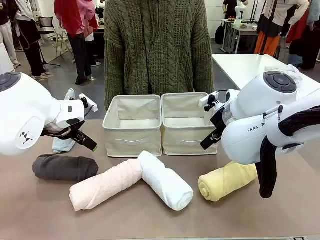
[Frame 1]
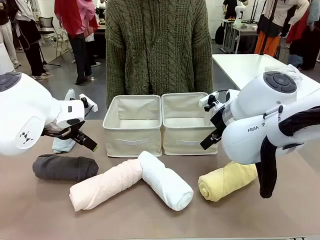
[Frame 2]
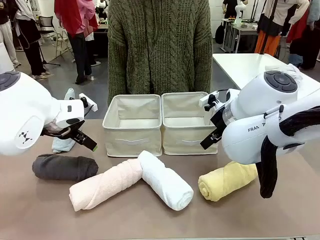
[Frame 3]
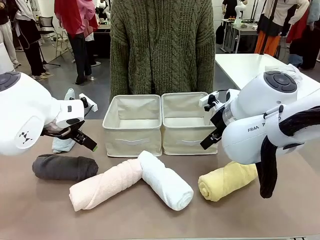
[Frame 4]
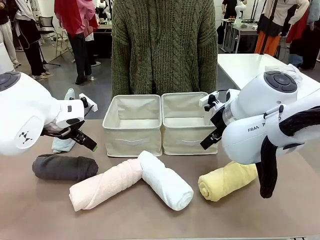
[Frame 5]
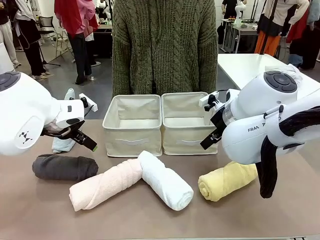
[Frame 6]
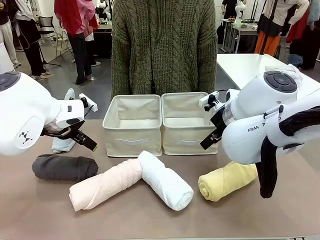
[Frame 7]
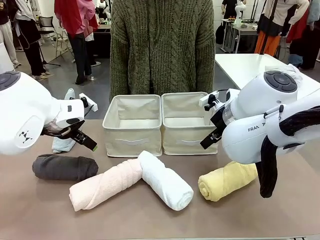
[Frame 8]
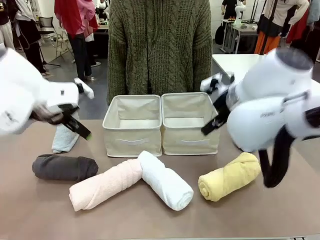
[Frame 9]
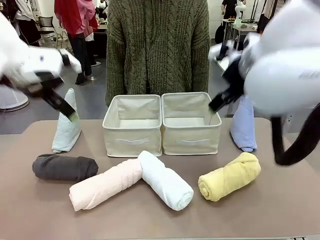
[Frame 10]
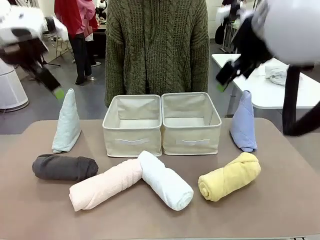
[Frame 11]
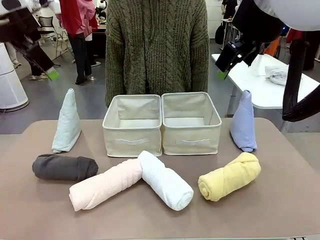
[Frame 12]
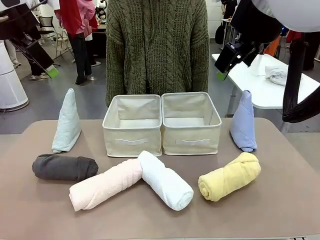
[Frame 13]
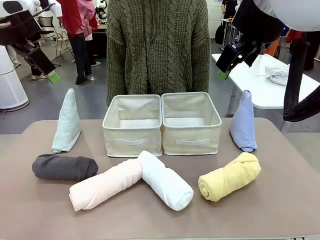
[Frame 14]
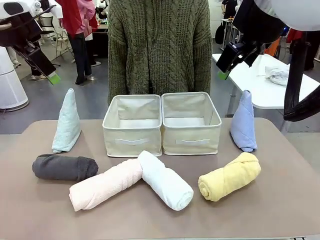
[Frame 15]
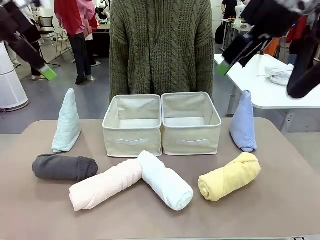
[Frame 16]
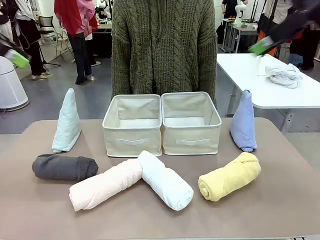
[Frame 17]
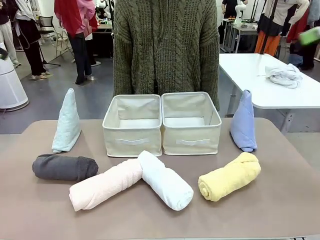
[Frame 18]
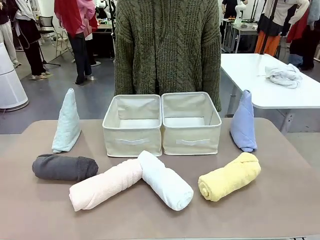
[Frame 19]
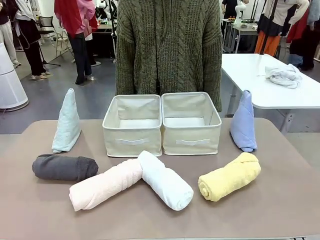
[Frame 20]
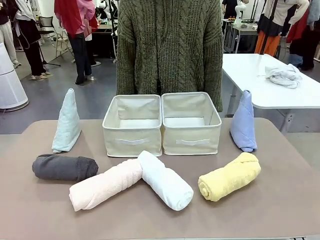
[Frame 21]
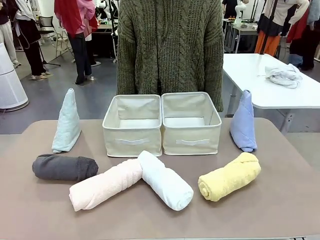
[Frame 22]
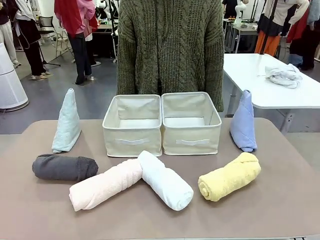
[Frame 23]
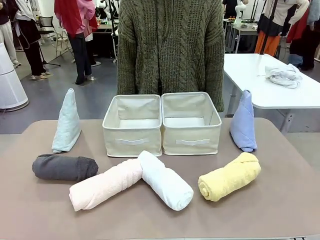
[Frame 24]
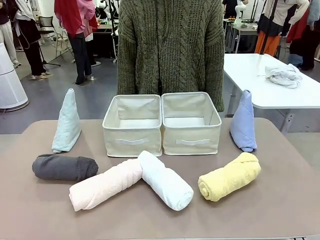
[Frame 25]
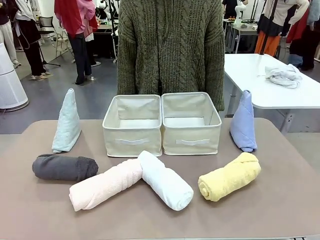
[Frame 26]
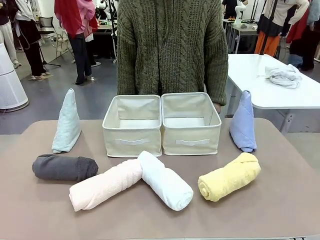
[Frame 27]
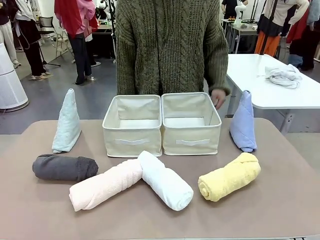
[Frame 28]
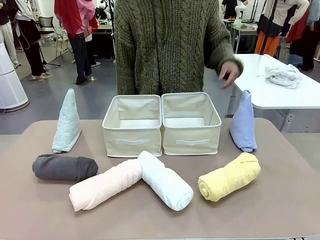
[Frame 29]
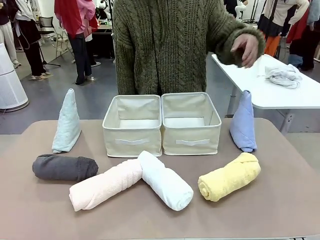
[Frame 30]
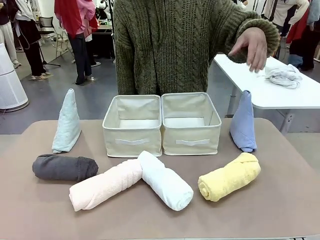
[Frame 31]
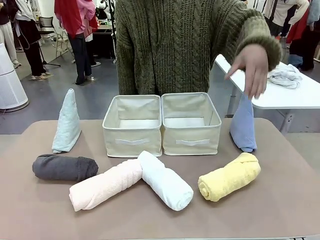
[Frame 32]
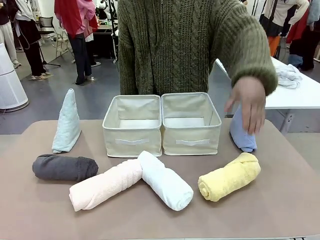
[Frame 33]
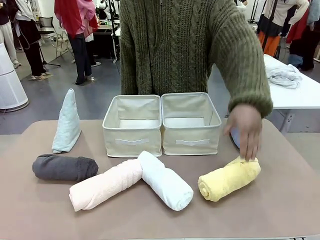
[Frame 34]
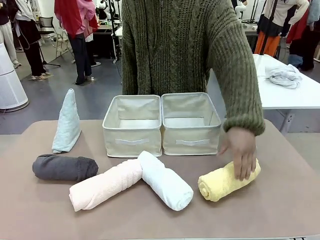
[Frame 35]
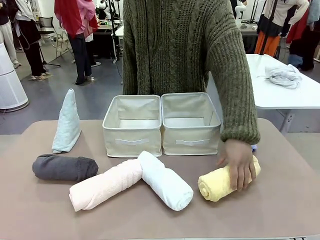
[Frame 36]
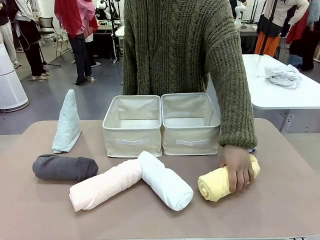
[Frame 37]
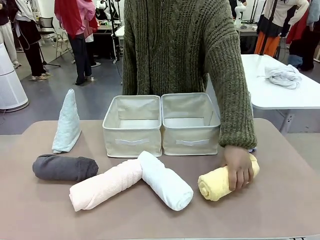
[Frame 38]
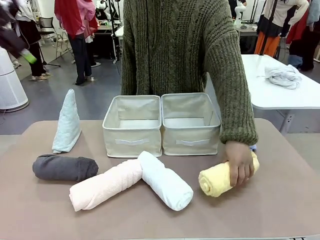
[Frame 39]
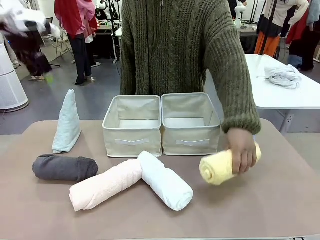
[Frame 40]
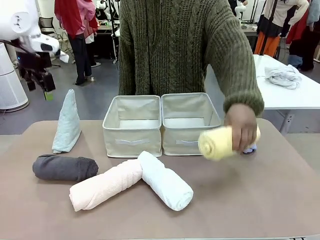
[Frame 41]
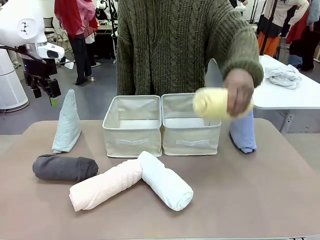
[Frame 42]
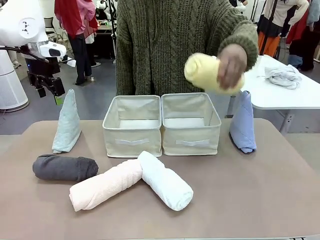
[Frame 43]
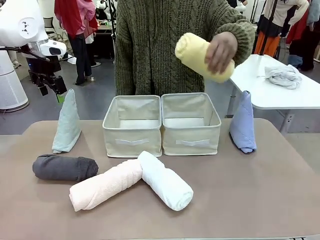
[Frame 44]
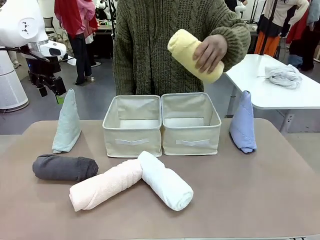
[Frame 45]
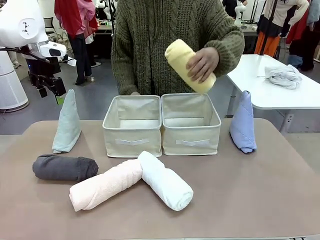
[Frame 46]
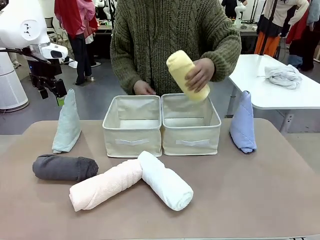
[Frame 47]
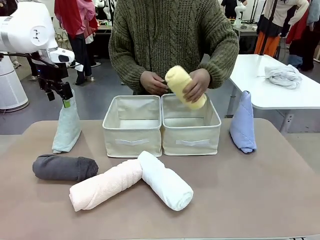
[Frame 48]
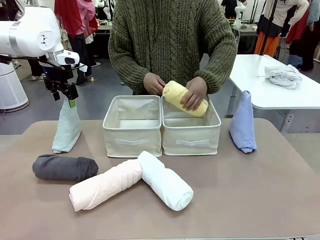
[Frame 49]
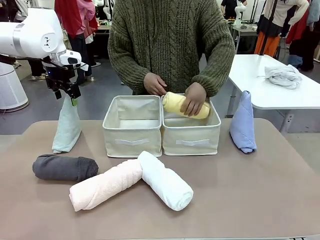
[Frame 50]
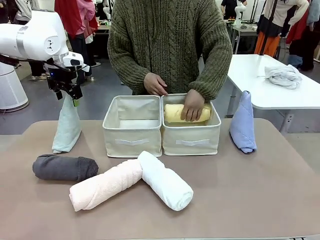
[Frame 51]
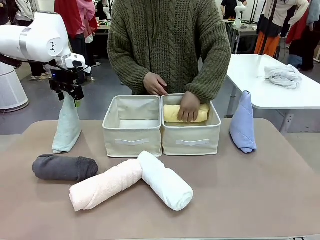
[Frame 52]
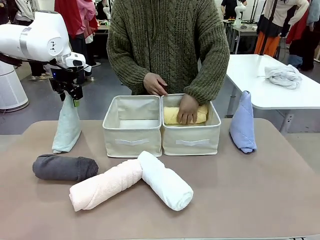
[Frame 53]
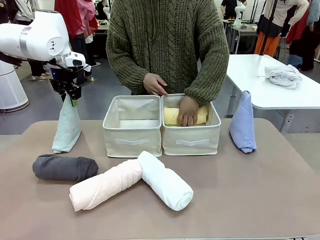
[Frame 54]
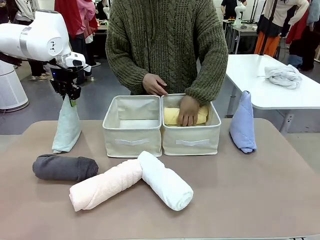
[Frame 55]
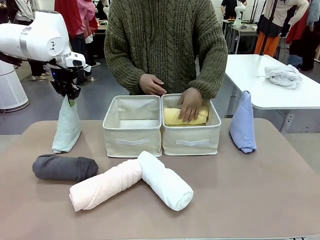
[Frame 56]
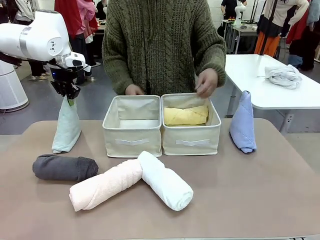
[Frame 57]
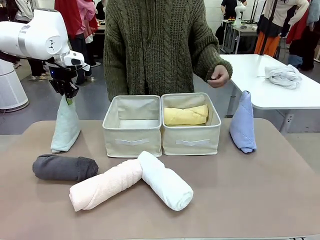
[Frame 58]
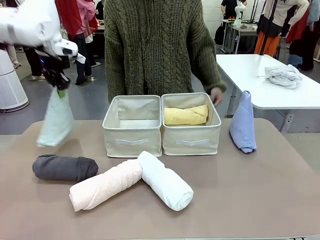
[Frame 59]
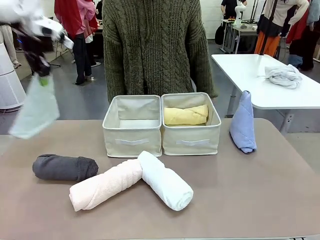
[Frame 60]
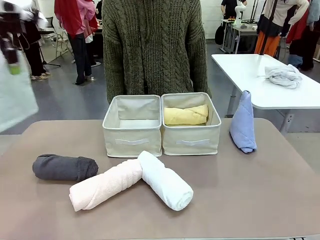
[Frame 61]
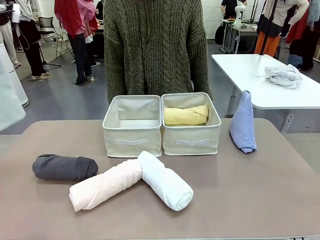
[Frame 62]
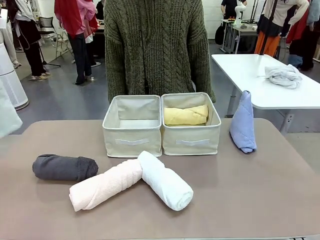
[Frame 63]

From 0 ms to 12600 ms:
Task: Sort the towels based on their folding style.
Robot: Pick up one triangle-folded towel and place it in the left Fabric basket.
Person: Pick up one hotel-style rolled towel and place it in the left fabric basket.

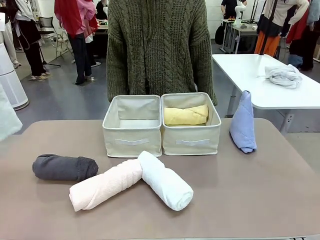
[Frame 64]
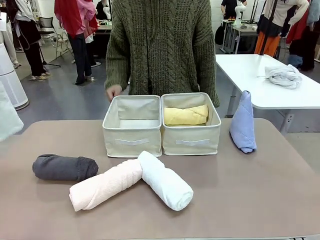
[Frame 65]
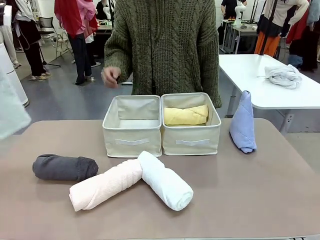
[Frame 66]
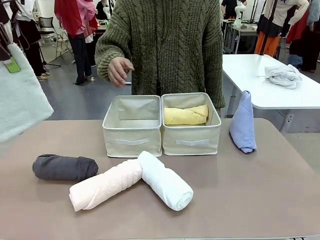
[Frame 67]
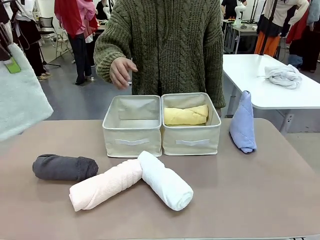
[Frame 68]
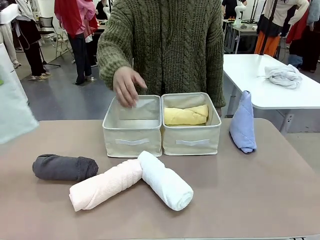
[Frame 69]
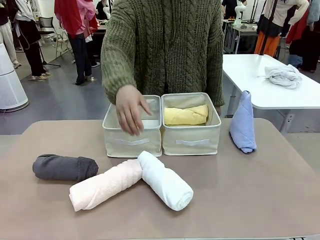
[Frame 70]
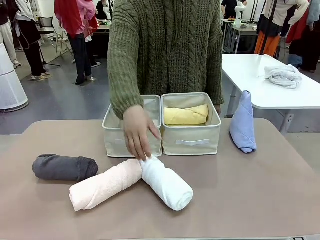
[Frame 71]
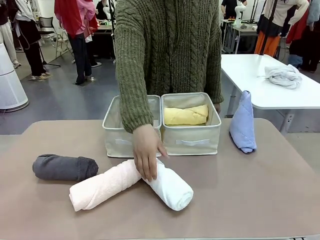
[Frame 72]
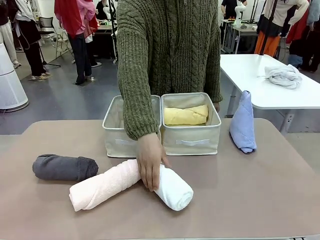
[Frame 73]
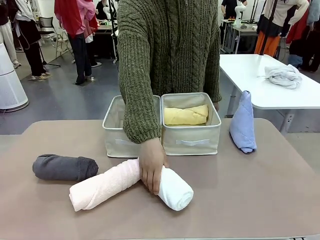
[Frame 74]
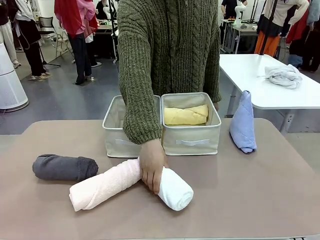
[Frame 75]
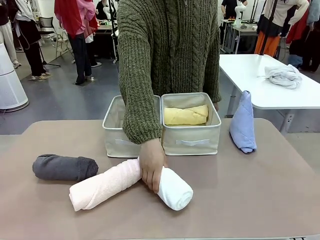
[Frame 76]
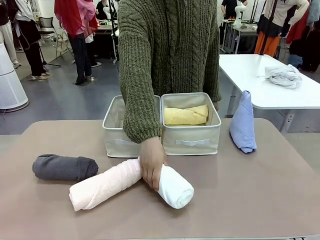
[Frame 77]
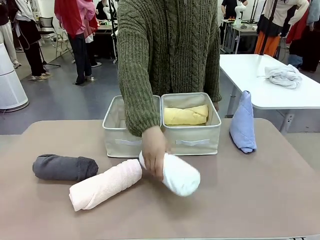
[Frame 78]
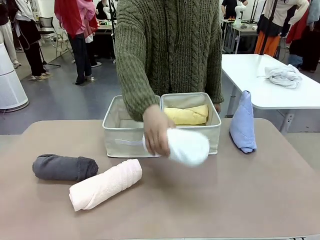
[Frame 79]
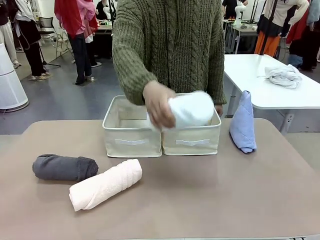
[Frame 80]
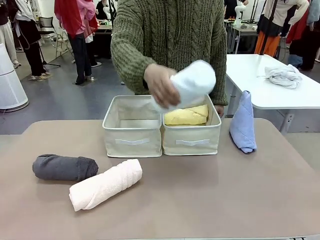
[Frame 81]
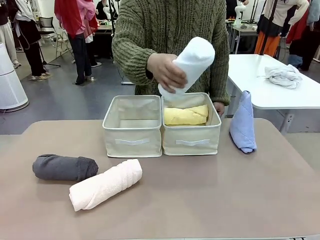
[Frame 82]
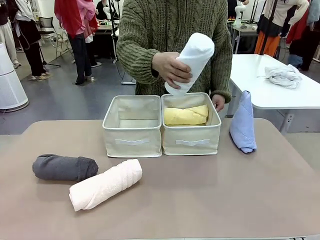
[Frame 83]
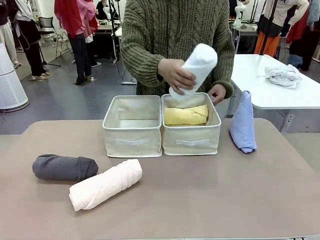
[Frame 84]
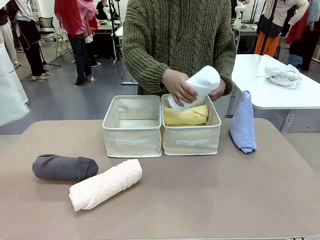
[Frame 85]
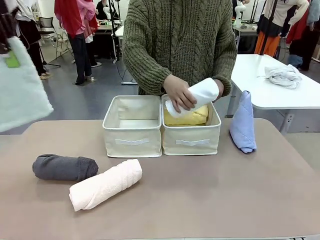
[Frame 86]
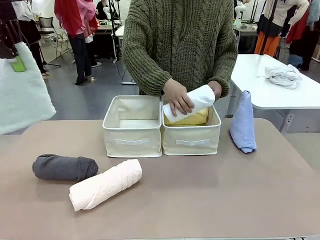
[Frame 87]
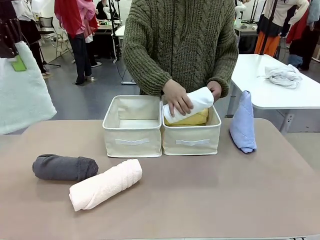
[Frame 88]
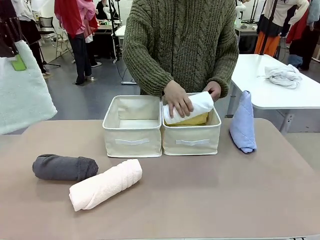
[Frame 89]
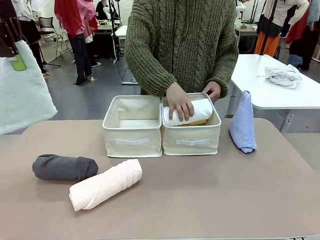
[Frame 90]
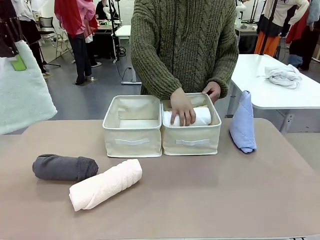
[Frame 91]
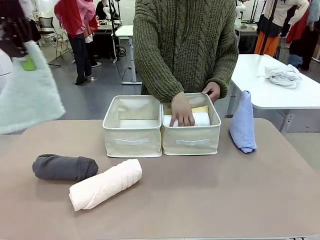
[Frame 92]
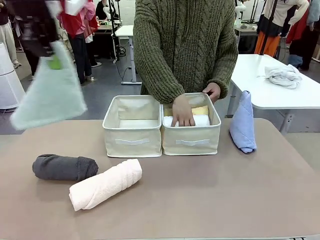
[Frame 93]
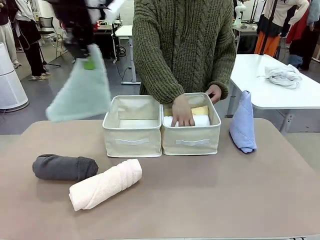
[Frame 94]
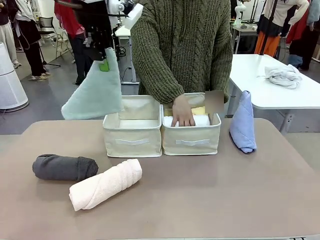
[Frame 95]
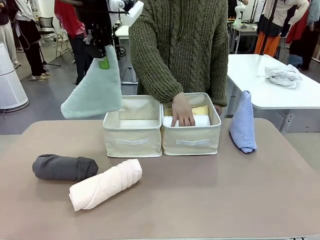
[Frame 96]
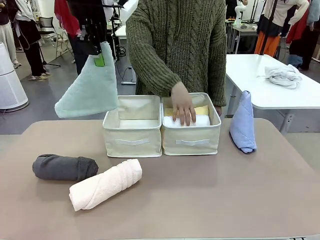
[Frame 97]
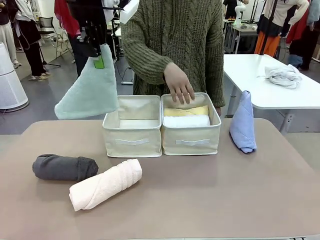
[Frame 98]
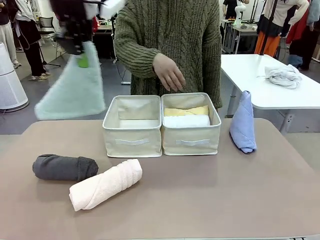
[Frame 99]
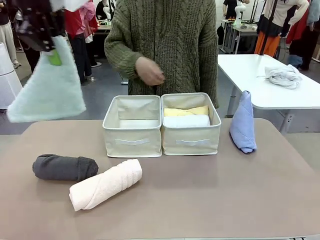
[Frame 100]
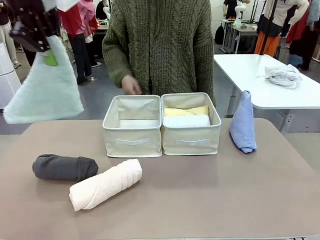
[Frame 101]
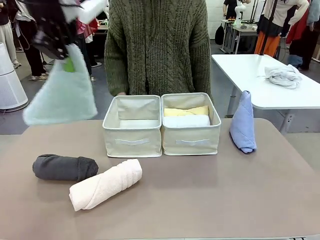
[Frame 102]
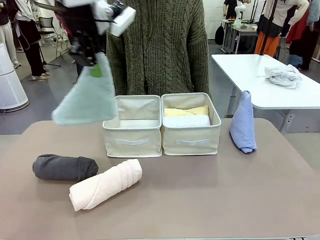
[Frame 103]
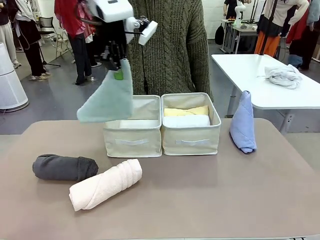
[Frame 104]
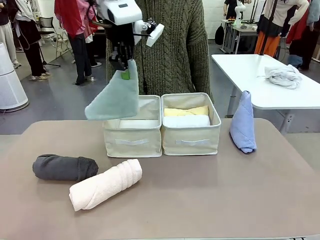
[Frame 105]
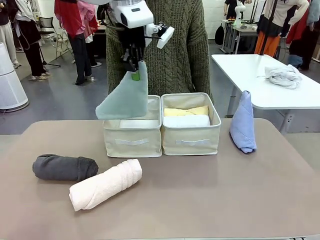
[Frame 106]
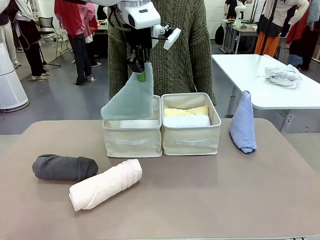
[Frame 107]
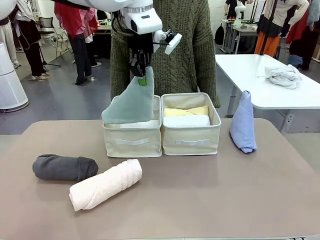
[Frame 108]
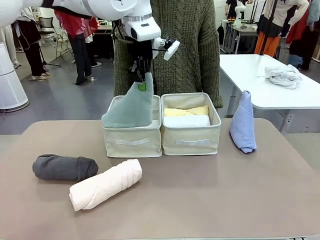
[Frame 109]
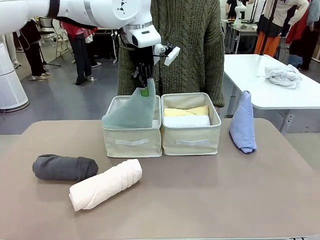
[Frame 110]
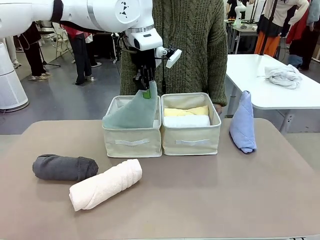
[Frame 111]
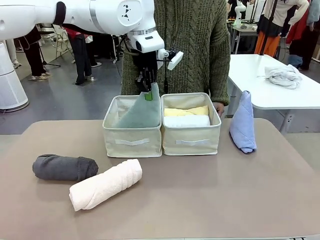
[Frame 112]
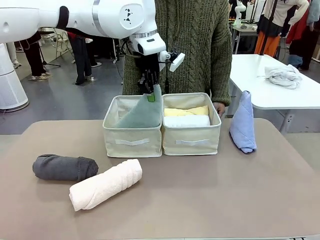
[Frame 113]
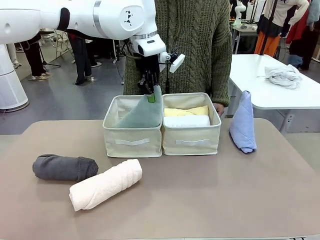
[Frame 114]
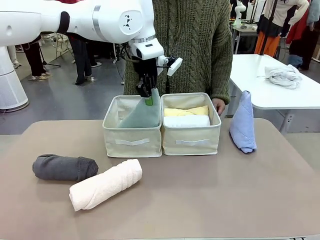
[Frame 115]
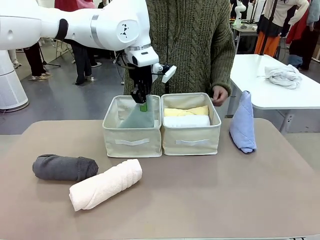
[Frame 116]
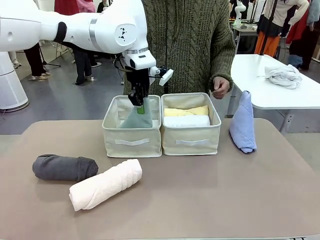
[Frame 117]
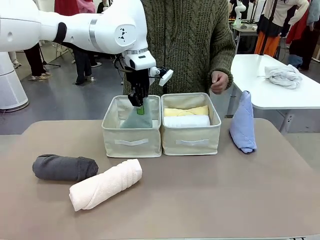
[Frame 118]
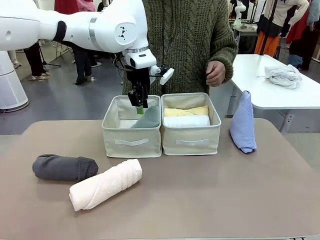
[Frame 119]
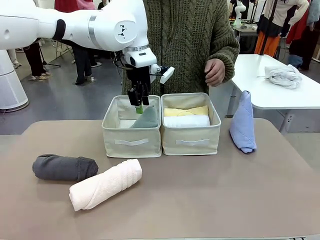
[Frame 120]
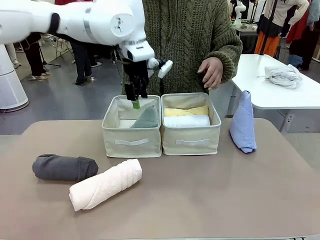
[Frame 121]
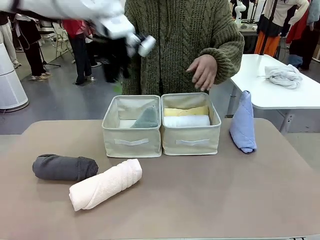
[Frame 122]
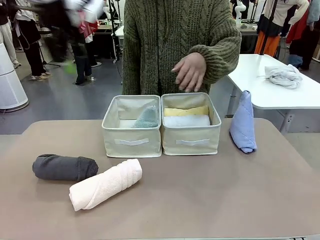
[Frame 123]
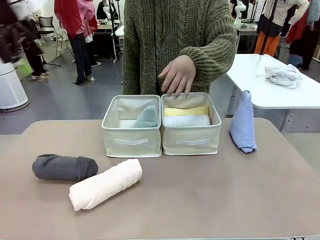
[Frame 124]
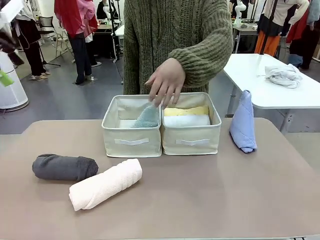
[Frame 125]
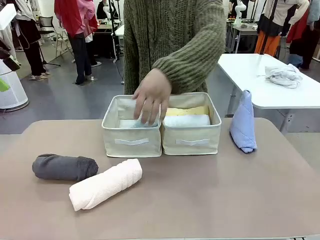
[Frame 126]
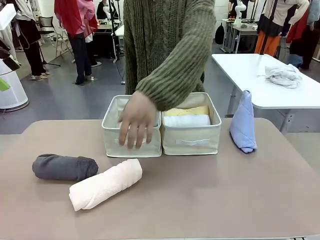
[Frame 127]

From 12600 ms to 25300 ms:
Robot: Pick up one triangle-folded towel and place it in the left Fabric basket.
